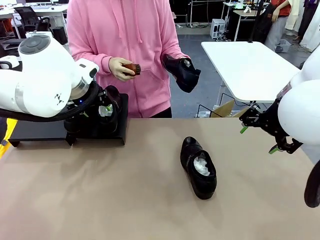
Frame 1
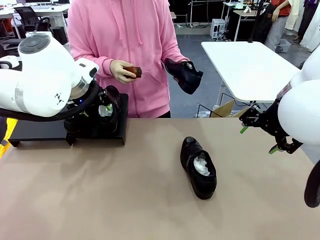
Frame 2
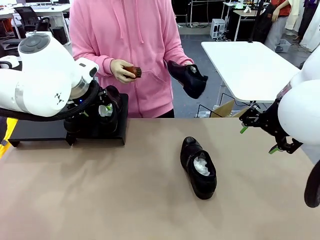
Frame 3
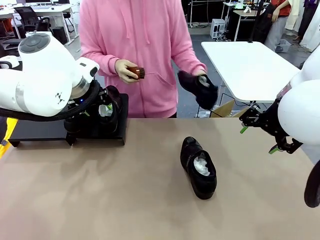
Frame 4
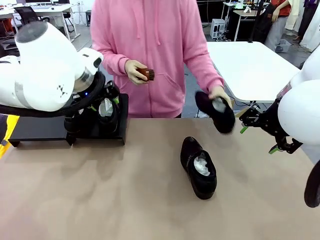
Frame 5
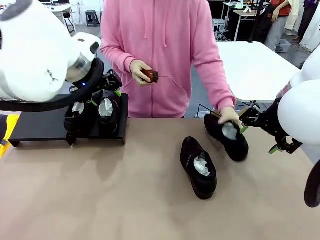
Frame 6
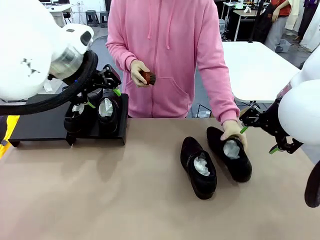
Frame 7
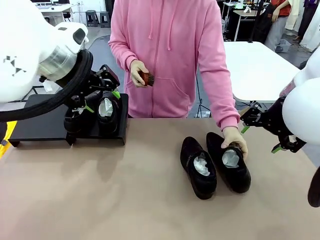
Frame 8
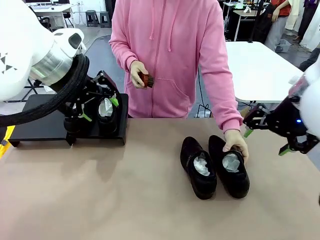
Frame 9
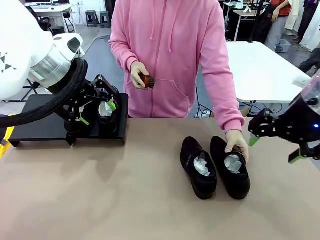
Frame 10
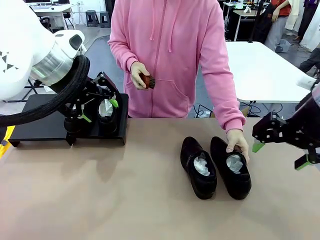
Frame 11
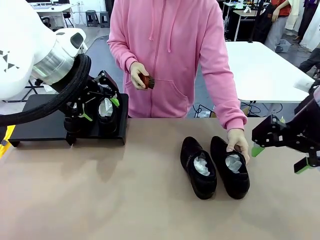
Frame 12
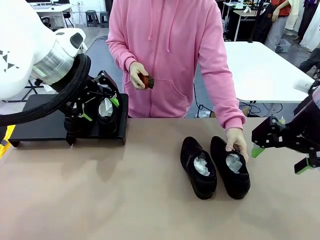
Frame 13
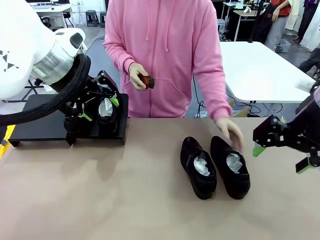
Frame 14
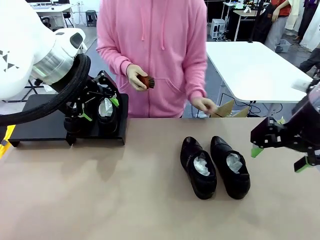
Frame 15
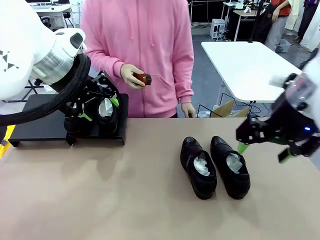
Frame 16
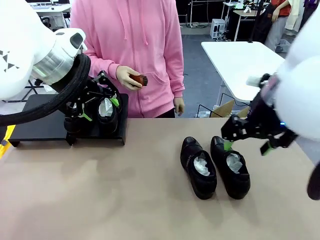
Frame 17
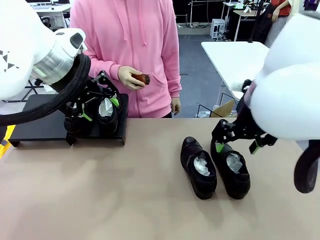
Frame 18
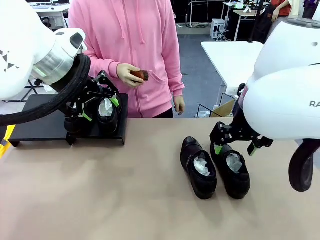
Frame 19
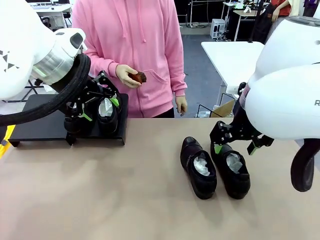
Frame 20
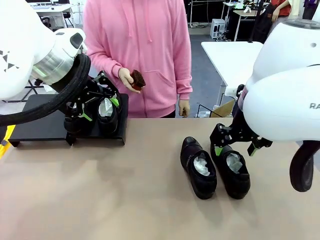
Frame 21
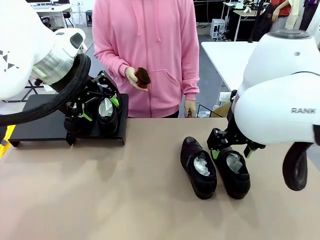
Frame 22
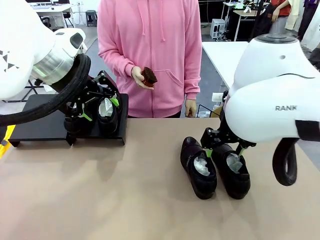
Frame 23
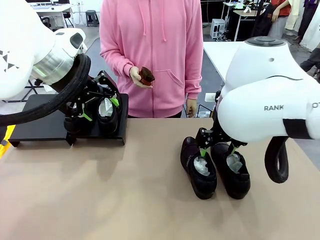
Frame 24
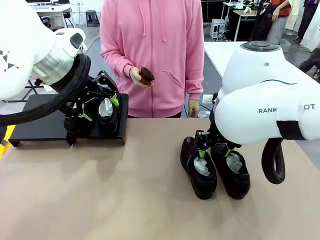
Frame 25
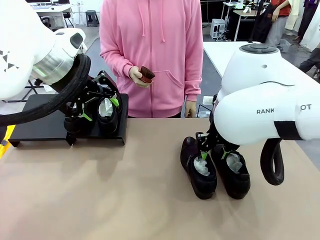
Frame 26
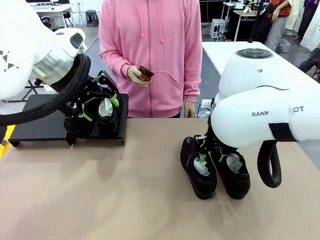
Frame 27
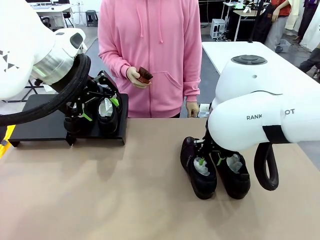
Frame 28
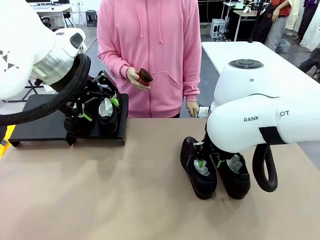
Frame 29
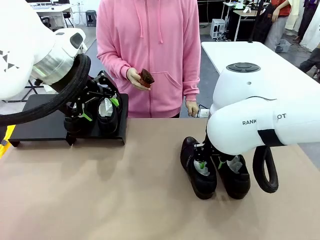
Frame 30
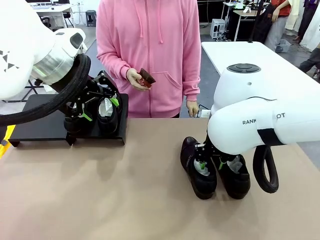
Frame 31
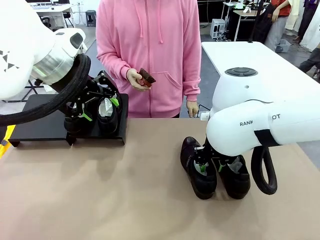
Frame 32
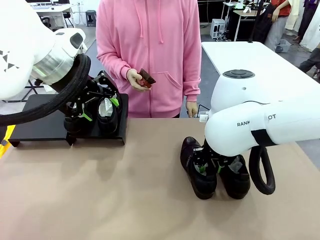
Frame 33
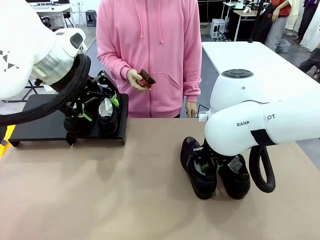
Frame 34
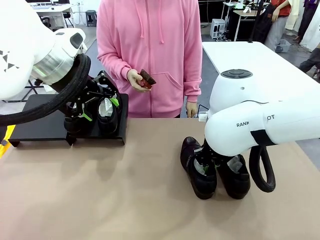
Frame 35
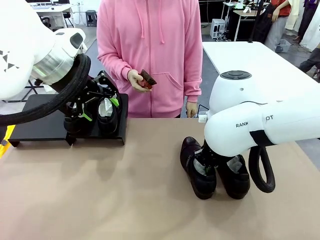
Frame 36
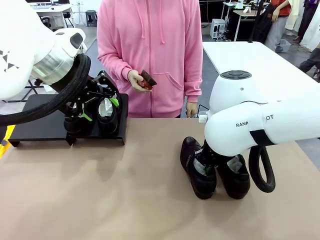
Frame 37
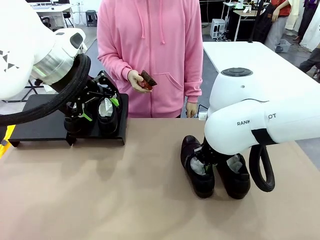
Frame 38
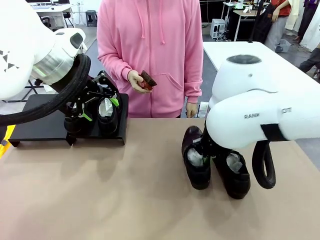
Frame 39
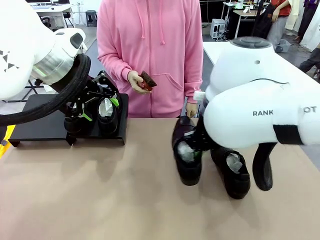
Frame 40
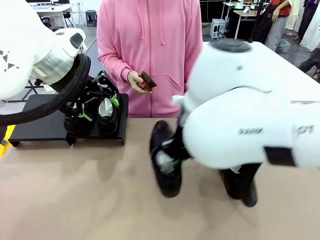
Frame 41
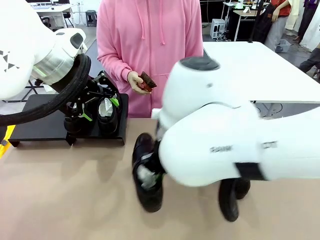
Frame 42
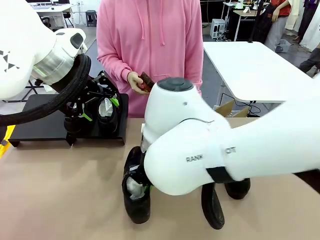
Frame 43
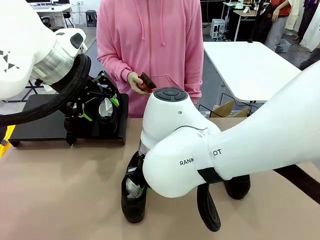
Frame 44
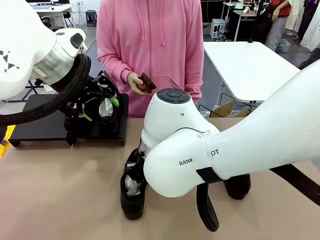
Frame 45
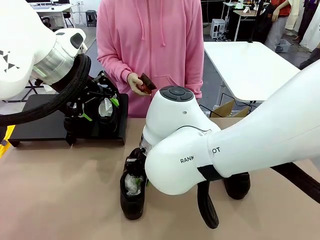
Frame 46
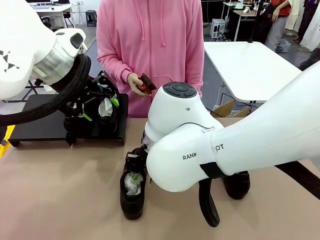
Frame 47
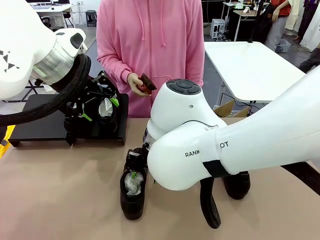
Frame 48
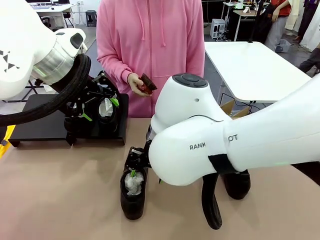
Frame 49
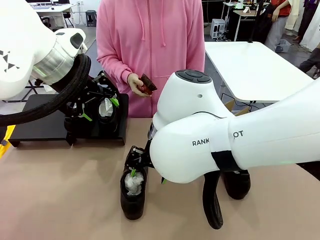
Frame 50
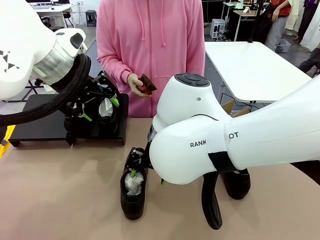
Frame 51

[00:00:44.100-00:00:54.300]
Task: Organize the shoes by placing them on the stand.
Robot: Pick up one Shoe and place it in the middle of the table.

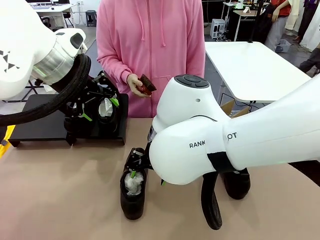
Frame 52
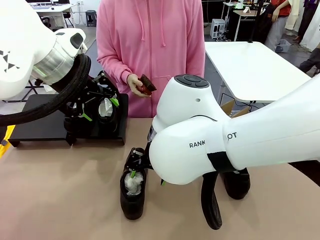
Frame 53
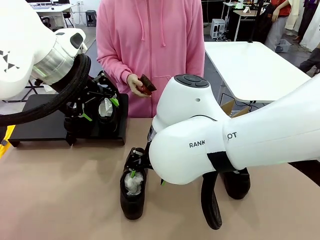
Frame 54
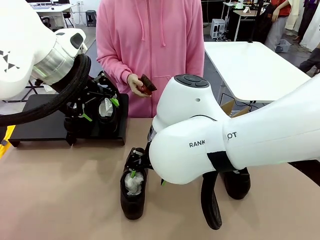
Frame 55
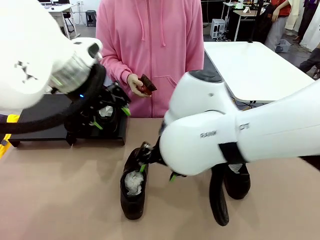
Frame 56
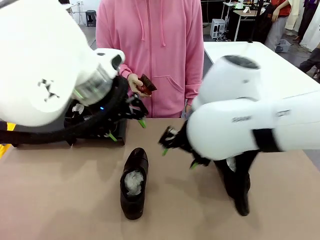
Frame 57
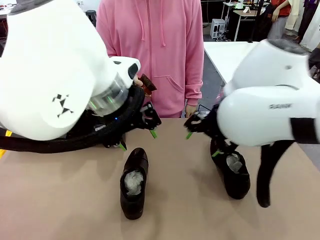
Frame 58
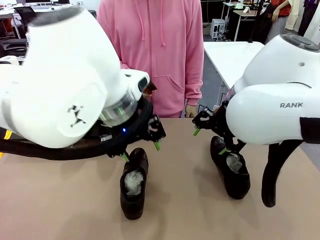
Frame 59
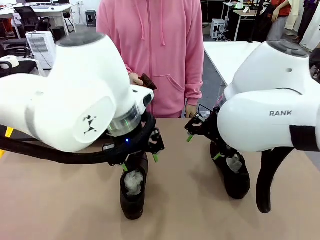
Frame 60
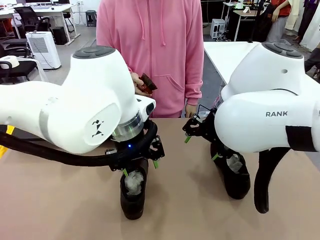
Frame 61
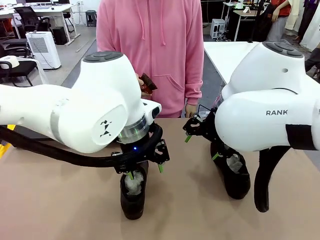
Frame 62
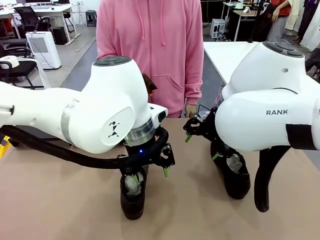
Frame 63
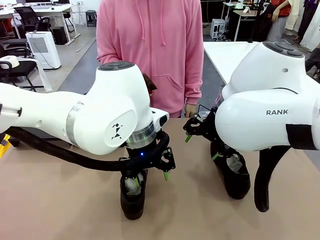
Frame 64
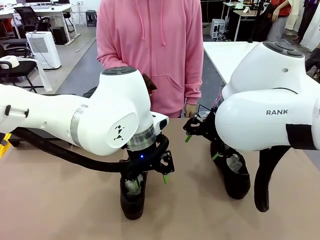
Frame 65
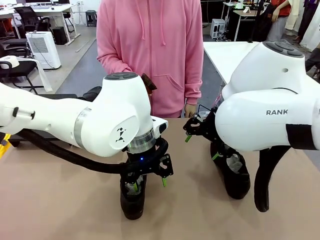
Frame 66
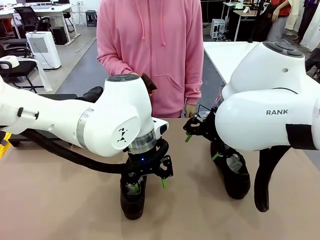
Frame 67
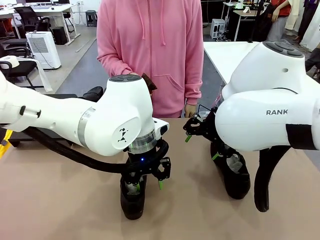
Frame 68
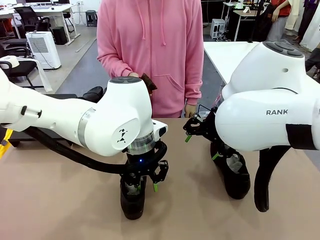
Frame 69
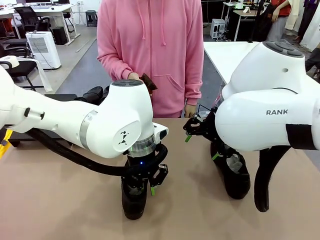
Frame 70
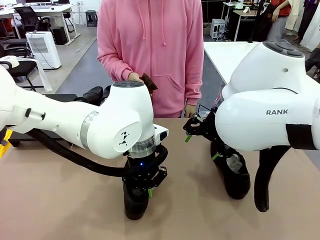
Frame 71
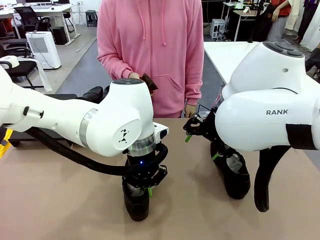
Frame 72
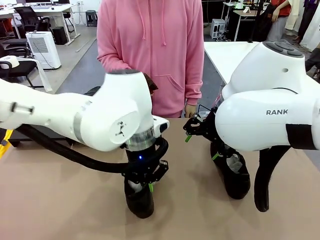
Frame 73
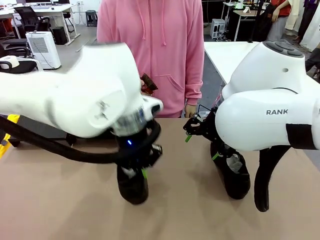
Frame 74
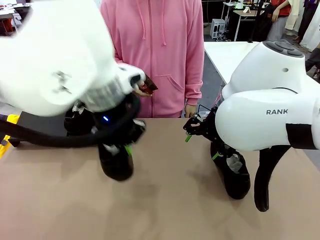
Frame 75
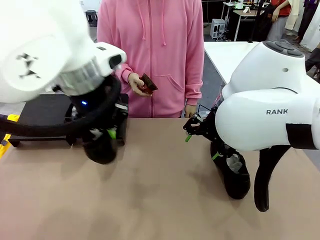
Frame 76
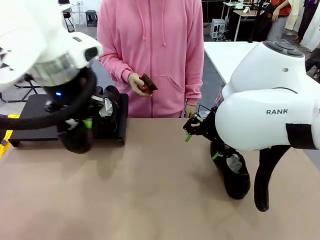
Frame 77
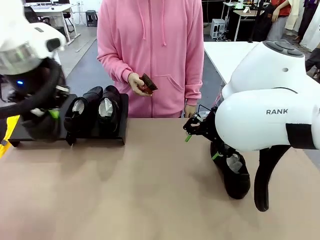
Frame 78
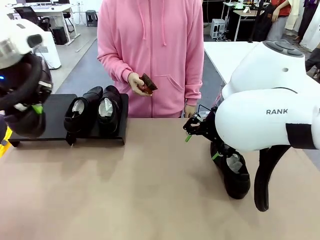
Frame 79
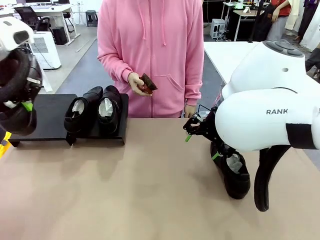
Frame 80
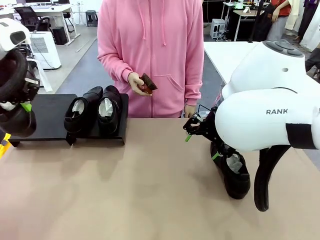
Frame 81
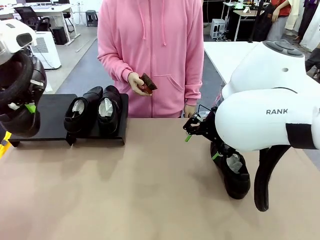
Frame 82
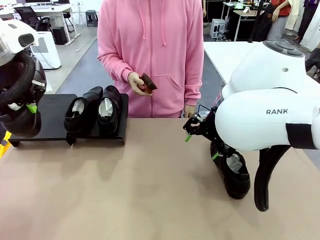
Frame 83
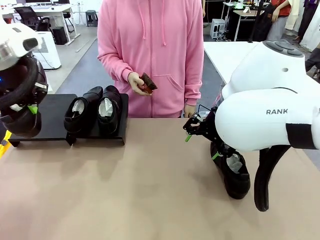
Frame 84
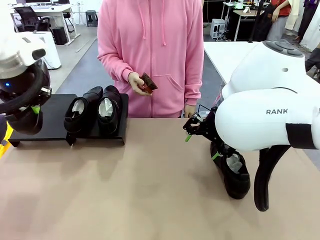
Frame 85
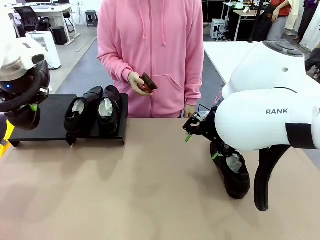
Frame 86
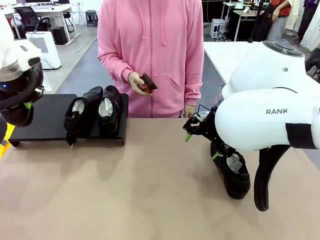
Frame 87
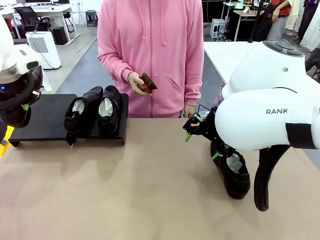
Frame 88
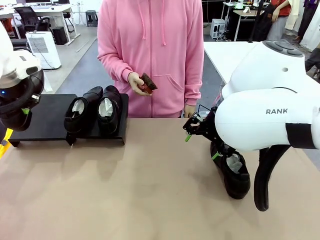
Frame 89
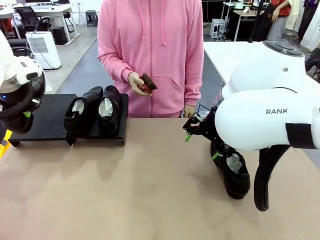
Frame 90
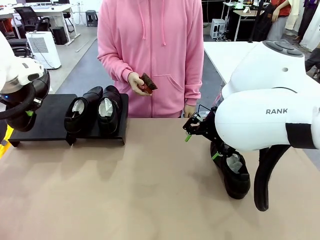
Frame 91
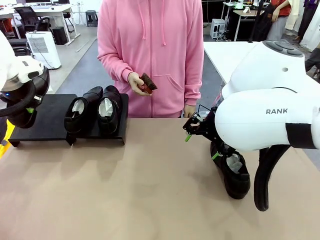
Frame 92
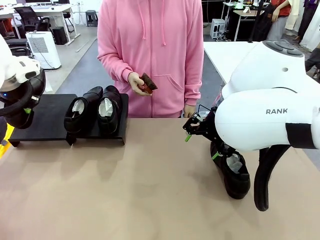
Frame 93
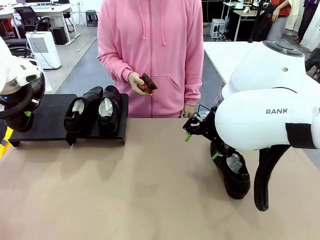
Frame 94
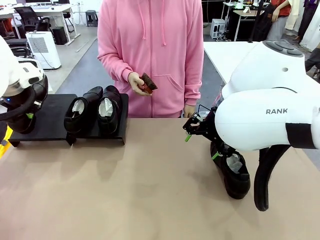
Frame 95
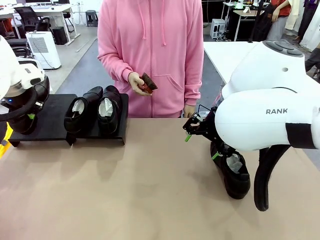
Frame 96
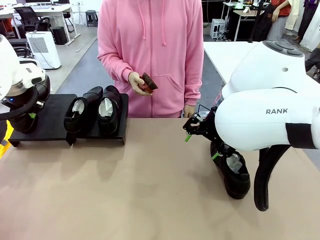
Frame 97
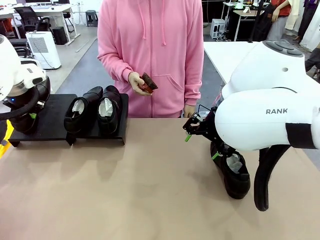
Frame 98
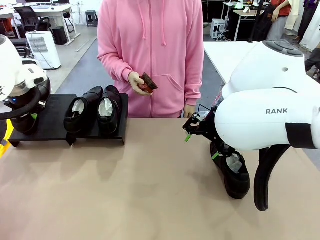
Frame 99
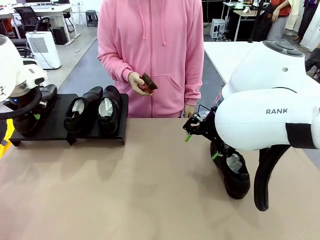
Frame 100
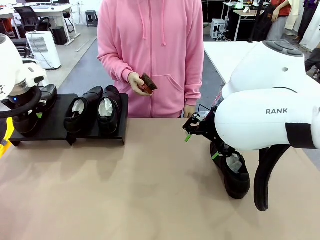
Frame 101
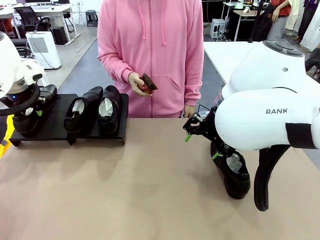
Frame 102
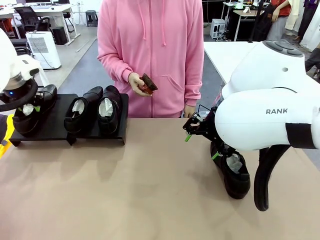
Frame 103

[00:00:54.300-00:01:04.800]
Robot: Place the Shoe from the middle of the table onto the Shoes Stand.
